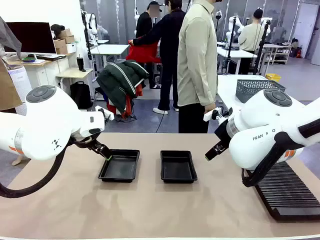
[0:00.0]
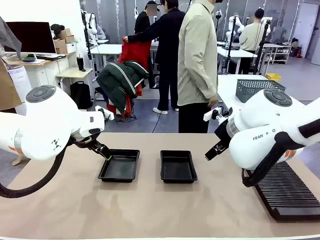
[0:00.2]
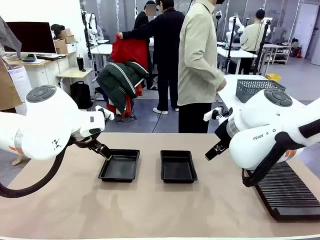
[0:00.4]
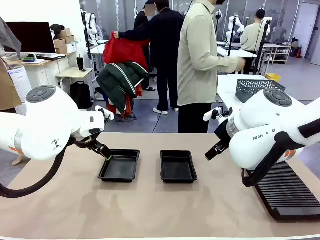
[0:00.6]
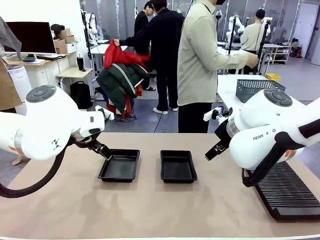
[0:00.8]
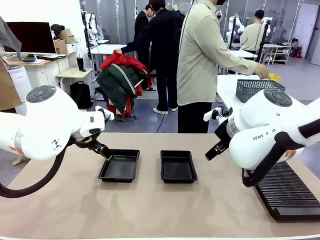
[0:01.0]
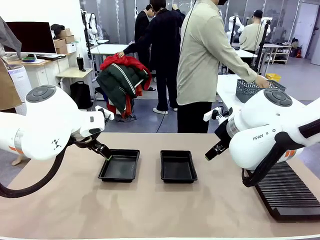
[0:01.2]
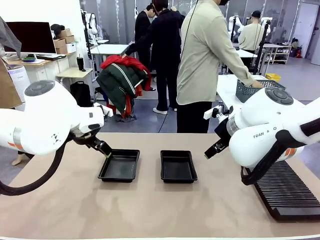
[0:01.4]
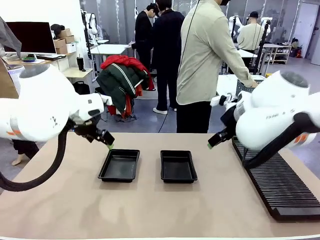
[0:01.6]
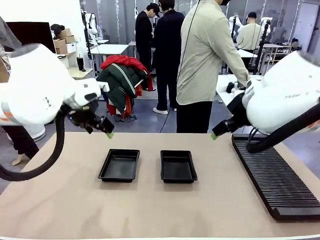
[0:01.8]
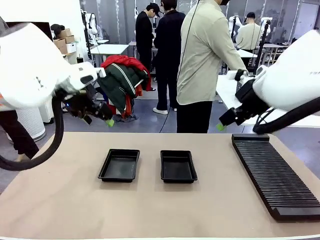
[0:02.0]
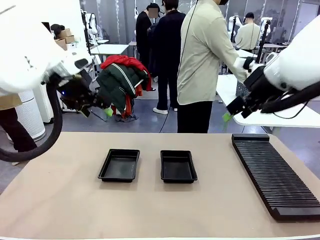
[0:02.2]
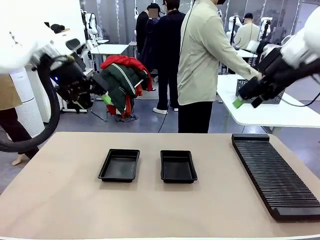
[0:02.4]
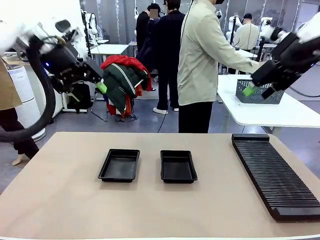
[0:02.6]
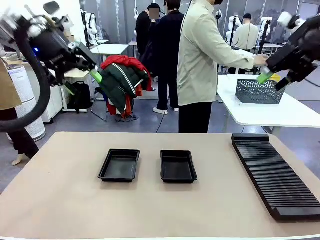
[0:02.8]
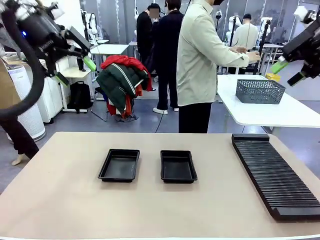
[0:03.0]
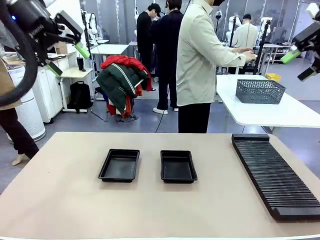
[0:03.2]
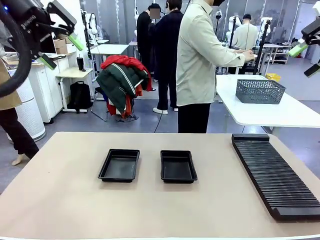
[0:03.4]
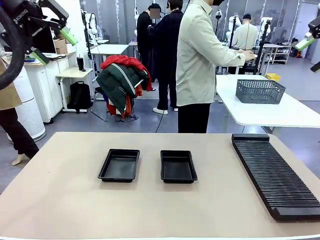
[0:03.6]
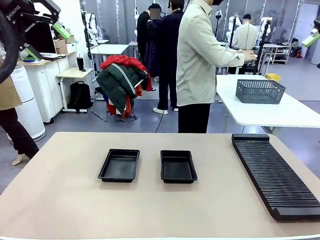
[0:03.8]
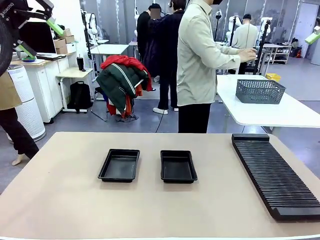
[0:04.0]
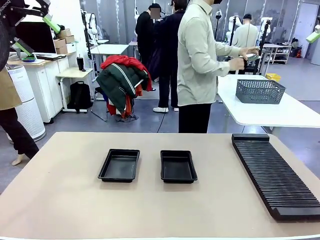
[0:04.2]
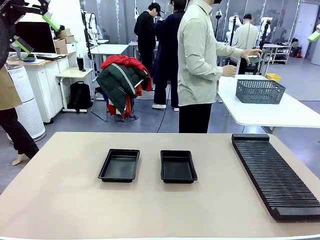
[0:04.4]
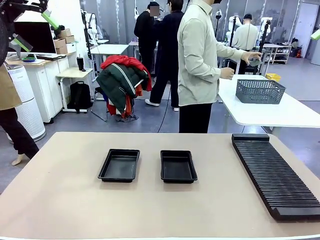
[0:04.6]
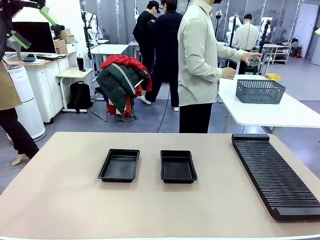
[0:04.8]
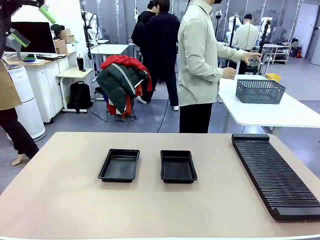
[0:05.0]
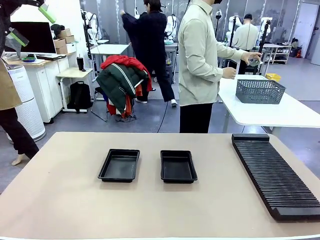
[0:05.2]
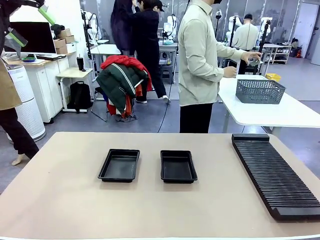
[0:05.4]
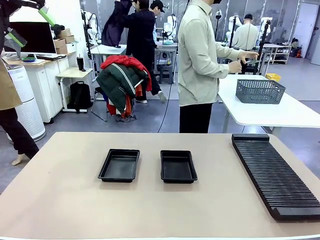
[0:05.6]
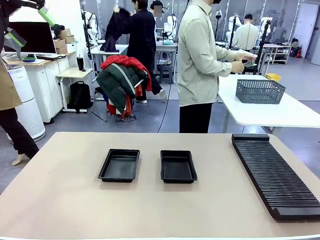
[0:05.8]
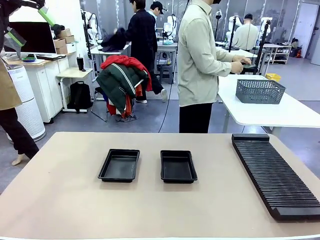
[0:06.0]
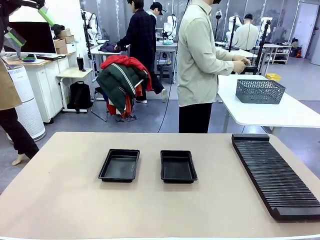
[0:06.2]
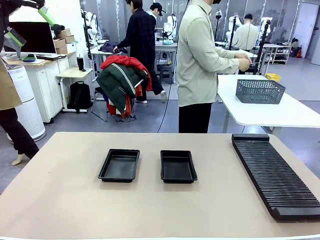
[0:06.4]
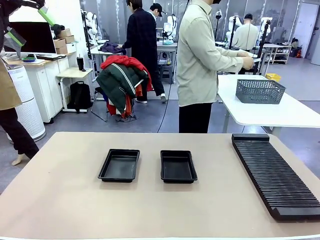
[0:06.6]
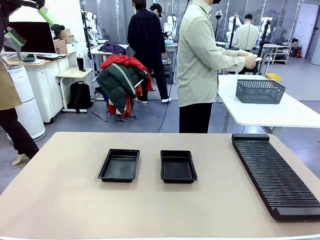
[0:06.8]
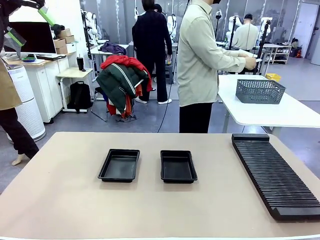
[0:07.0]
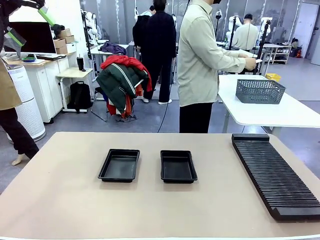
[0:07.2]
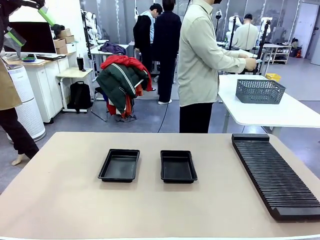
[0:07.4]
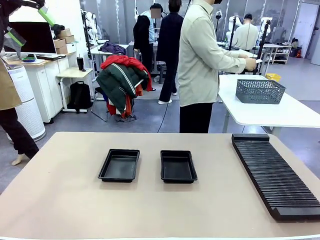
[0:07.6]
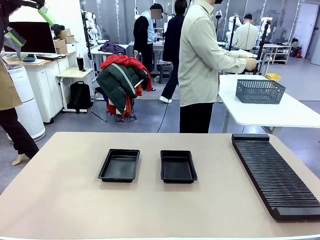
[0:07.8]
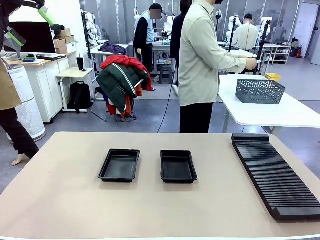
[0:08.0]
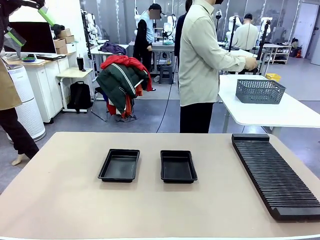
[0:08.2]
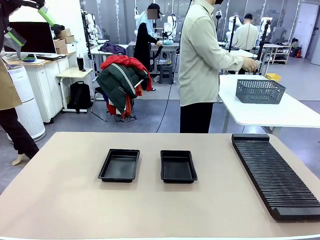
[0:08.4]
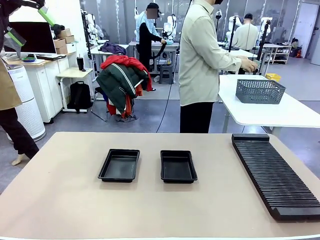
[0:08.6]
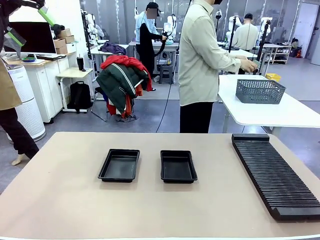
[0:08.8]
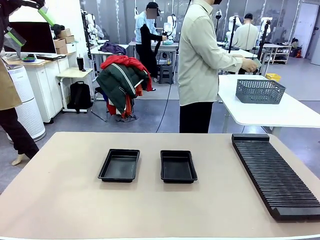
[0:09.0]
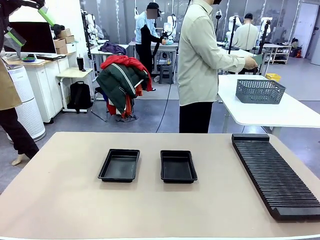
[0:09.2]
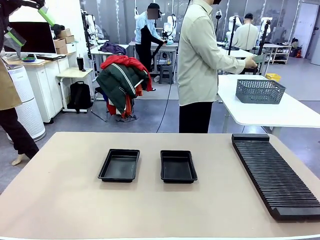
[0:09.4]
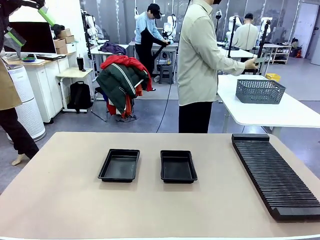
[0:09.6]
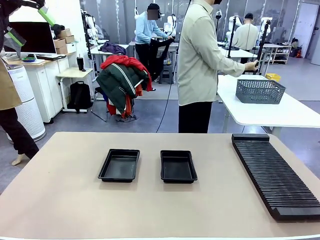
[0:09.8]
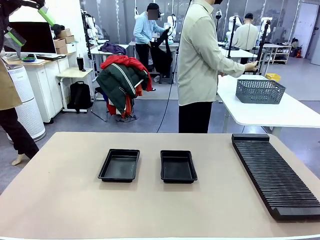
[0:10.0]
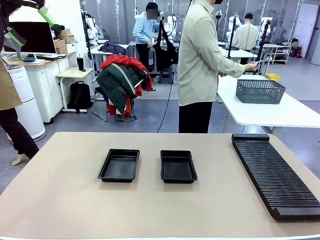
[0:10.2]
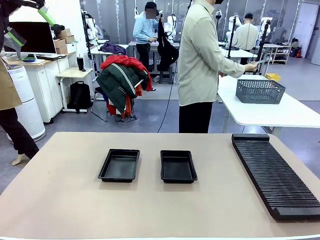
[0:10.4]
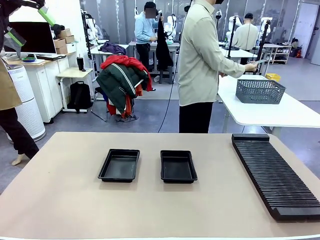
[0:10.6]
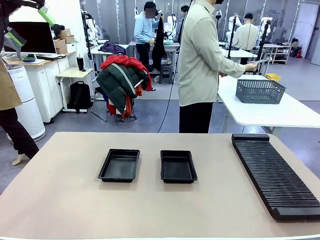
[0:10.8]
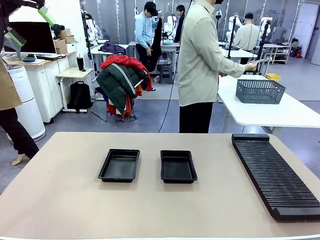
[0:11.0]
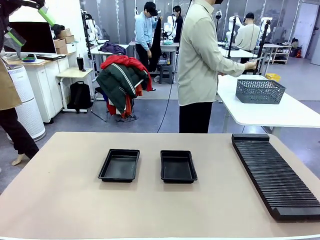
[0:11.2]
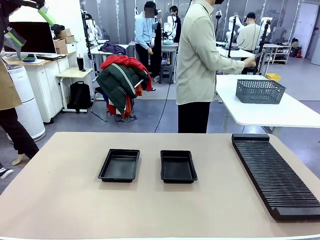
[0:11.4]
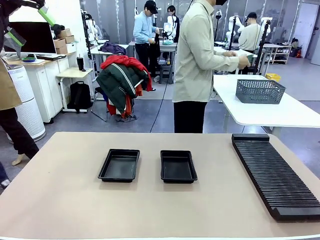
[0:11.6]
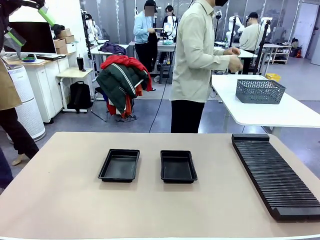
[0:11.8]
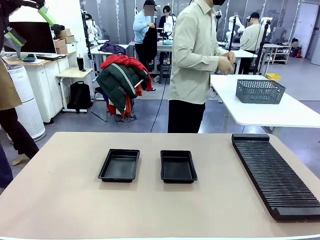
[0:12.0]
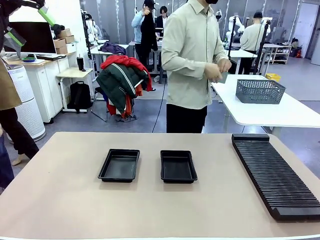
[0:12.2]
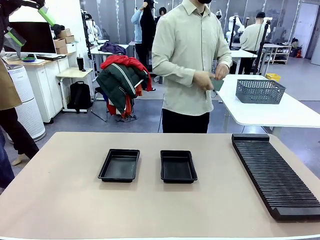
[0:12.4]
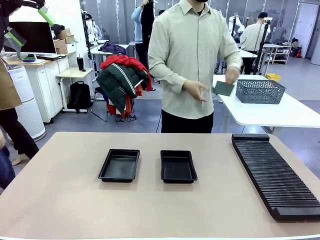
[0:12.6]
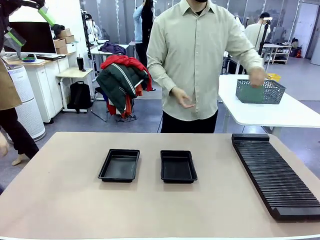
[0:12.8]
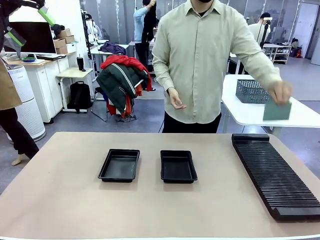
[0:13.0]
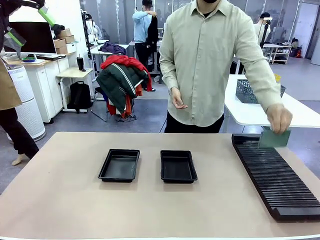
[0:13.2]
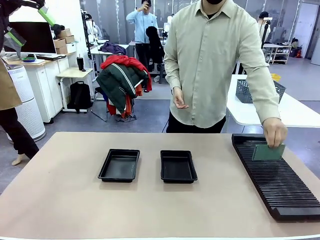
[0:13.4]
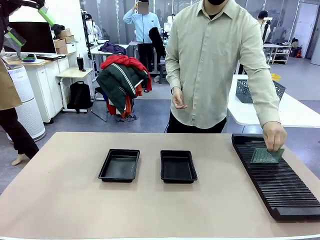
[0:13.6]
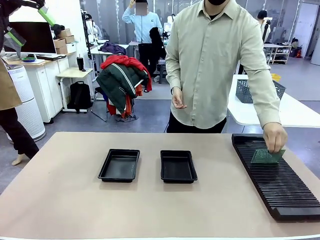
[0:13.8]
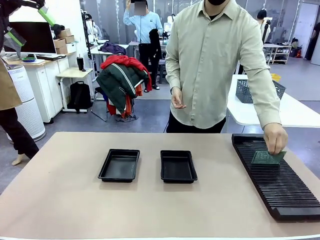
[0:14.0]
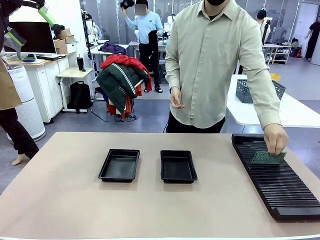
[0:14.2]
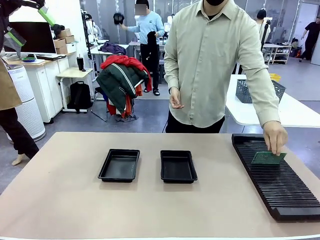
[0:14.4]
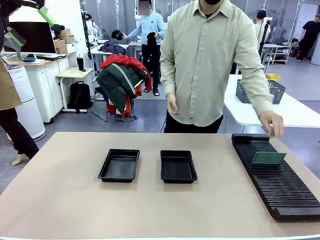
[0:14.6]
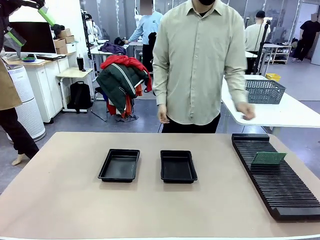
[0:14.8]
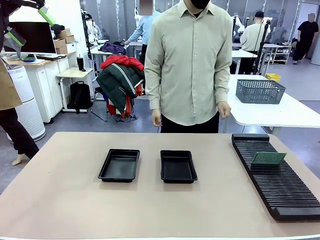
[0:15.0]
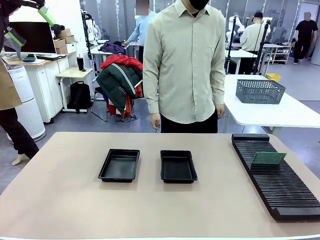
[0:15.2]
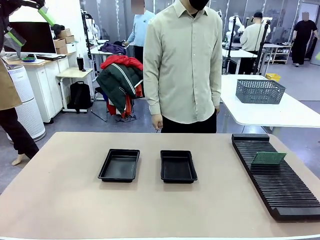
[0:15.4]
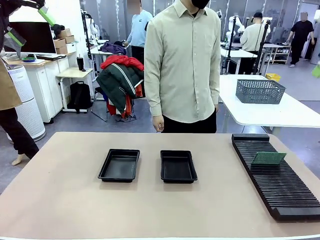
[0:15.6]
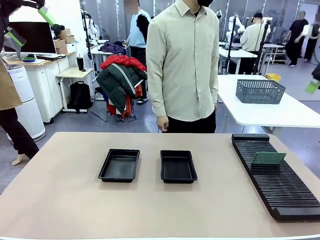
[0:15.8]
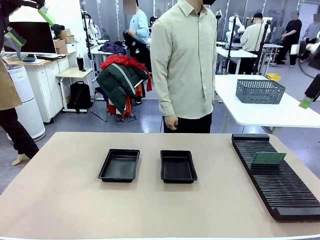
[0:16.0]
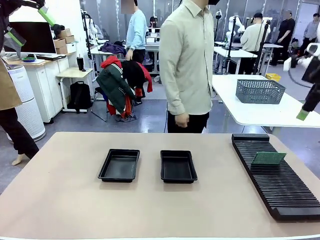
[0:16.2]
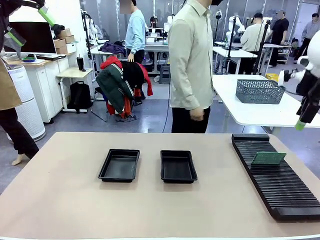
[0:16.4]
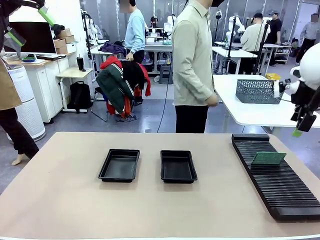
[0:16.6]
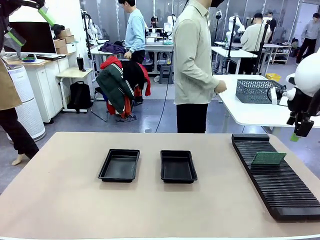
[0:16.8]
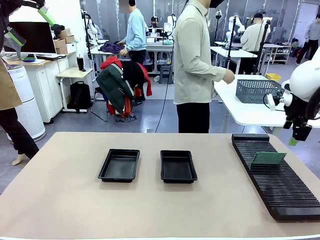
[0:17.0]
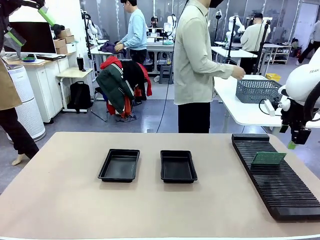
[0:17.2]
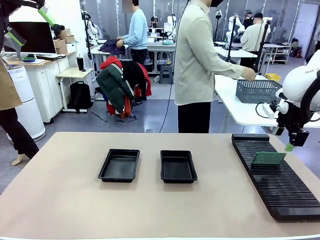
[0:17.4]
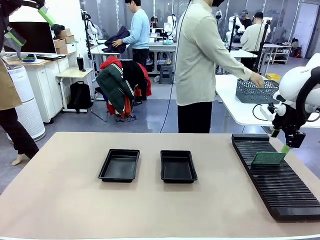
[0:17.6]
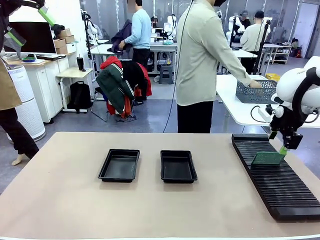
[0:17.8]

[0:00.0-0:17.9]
Task: Inspect and transfer BCBs to ESD trays.
Robot: Pick up the Blank PCB from the PCB Rack and place it in the left ESD tray.
